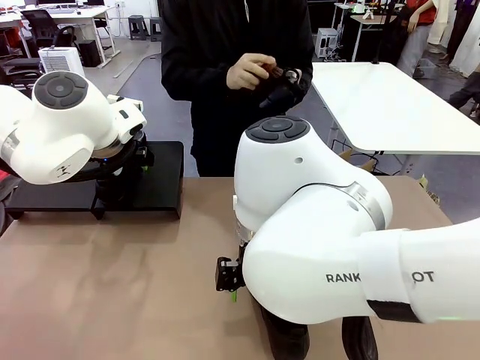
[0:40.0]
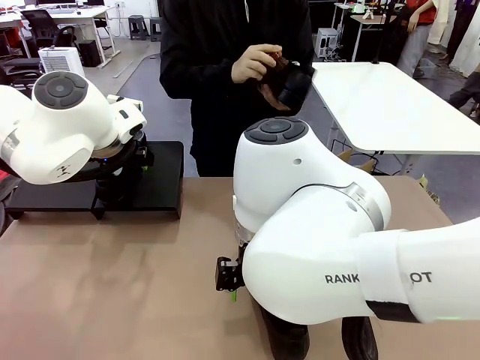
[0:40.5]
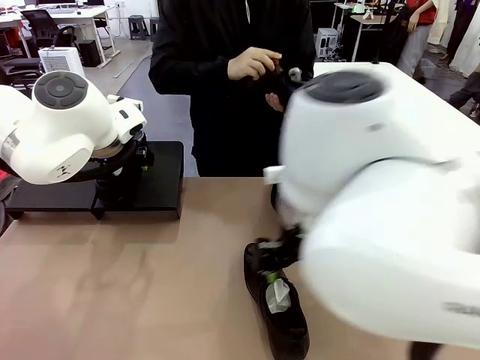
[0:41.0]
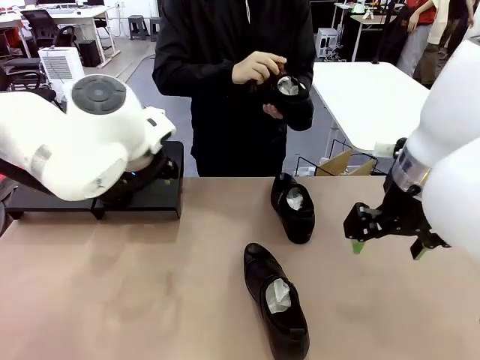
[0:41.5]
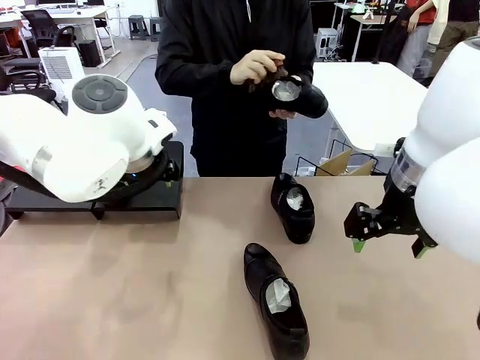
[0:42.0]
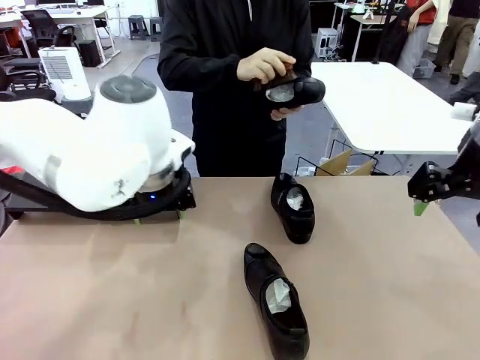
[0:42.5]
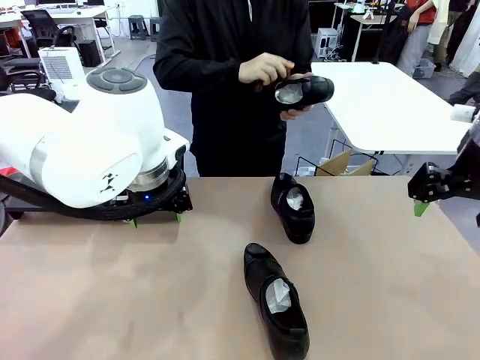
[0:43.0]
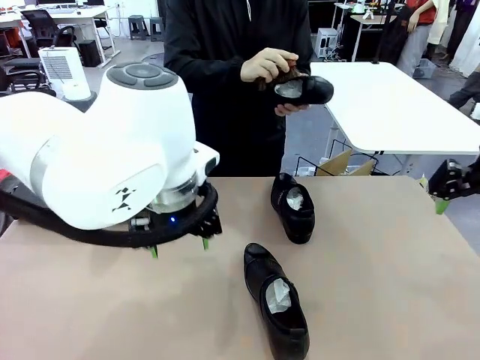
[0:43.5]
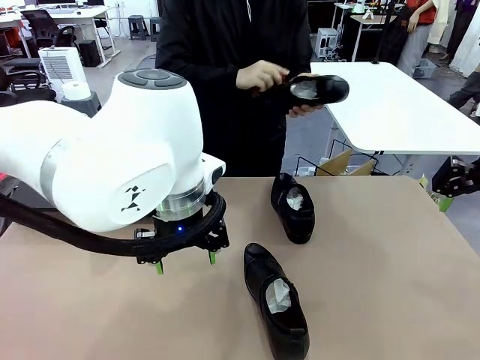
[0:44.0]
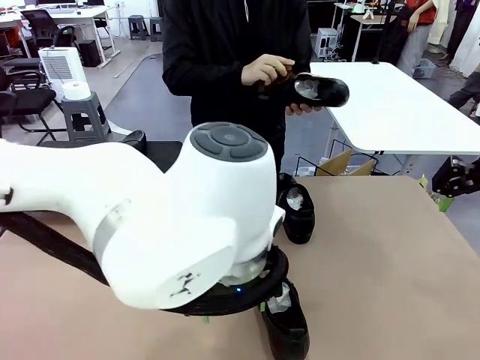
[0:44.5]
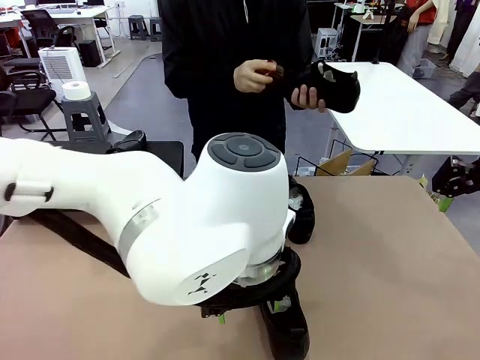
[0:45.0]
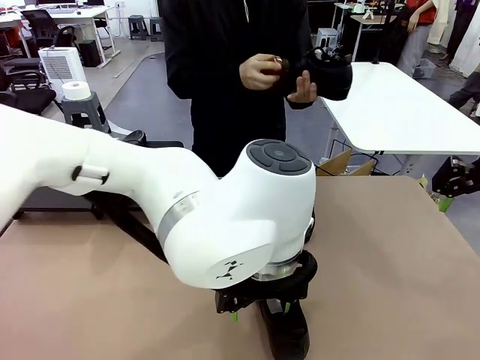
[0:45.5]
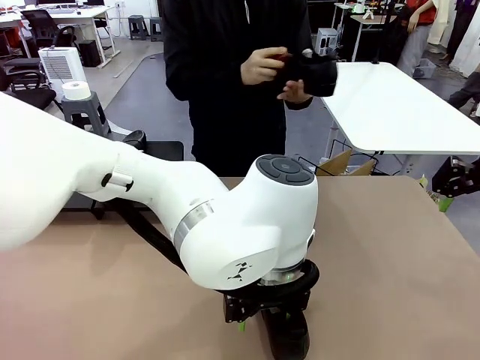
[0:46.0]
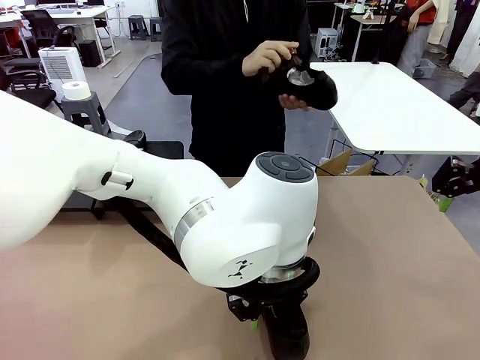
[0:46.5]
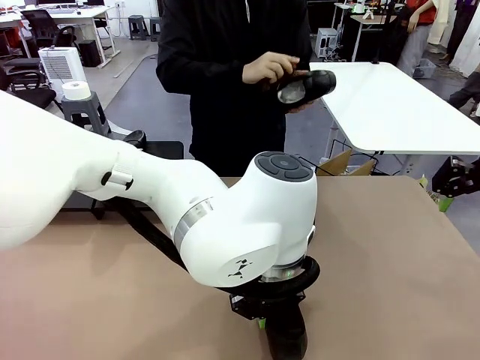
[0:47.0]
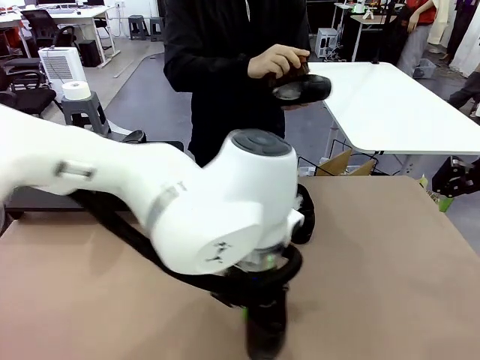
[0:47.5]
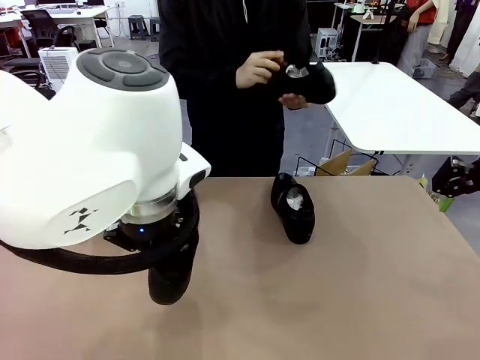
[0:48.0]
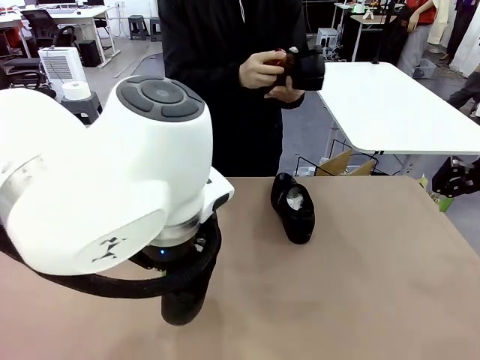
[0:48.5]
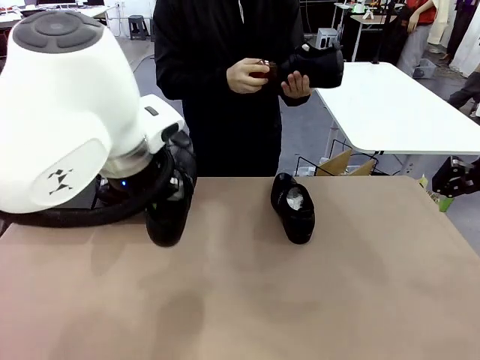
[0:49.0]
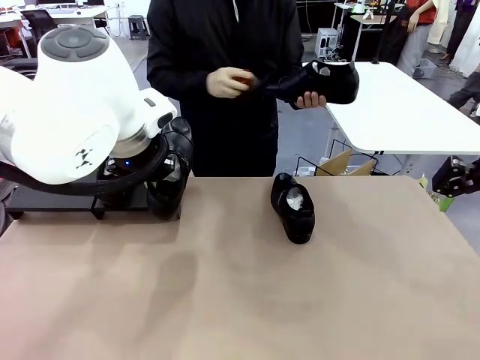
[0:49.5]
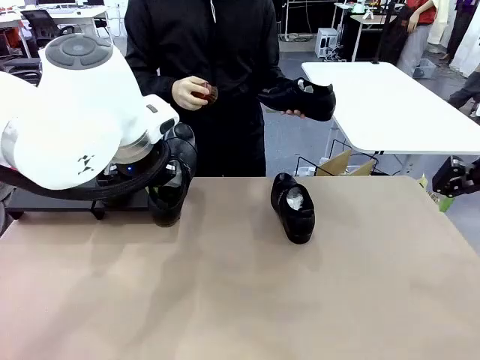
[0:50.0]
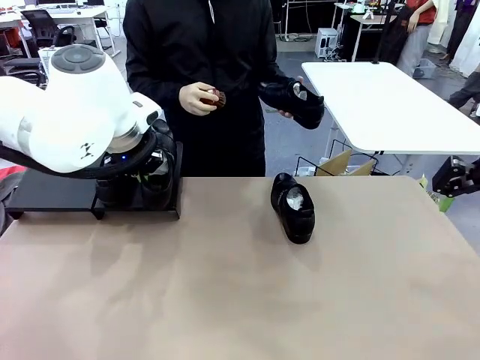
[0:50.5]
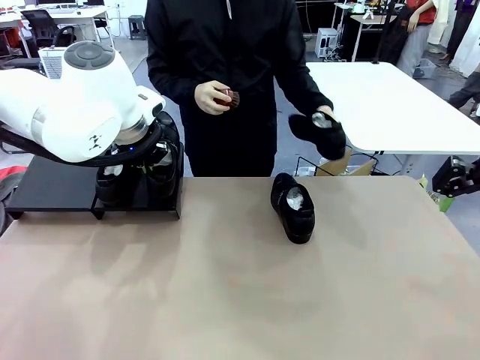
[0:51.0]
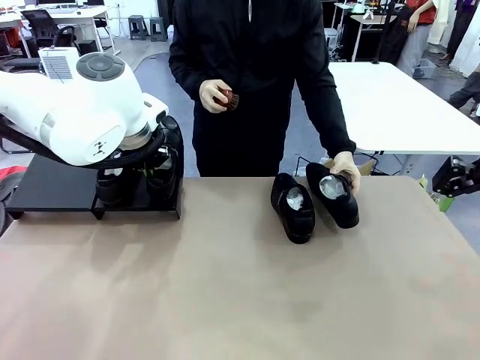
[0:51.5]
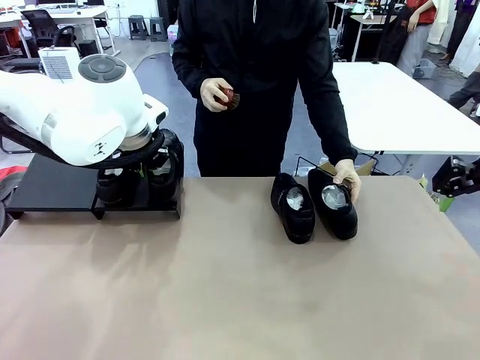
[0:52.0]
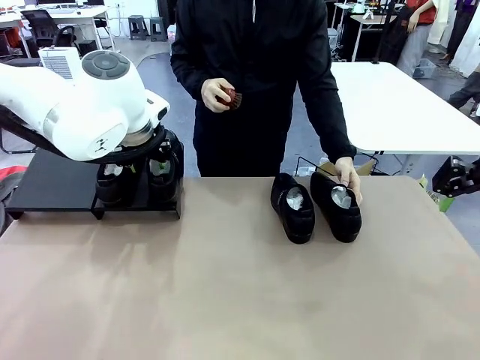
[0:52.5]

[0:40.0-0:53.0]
Task: Organize the shoes by placing them on the stand.
Robot: Place the Shoe from the middle of the table onto the Shoes Stand.

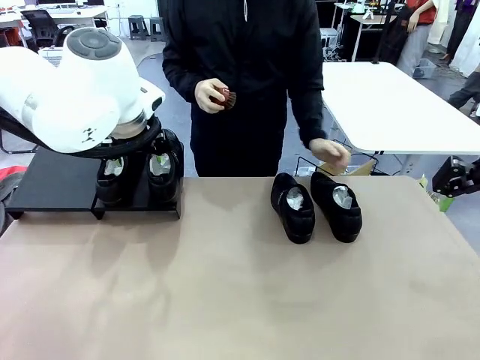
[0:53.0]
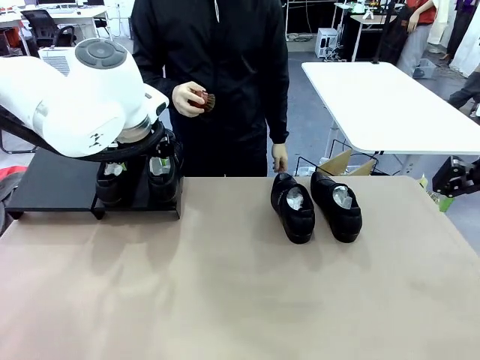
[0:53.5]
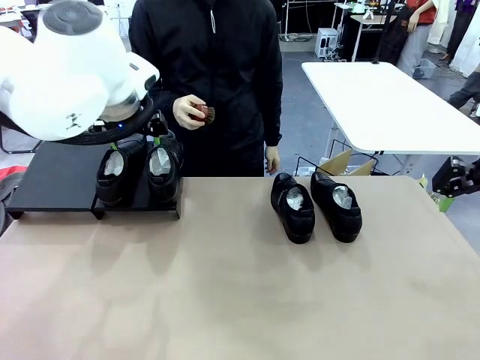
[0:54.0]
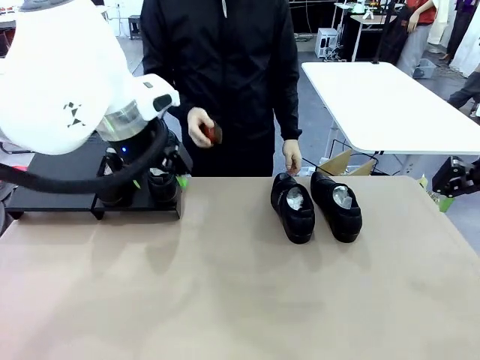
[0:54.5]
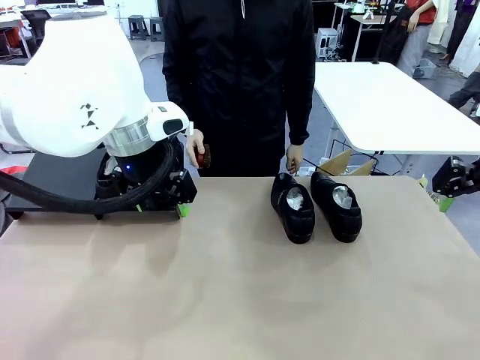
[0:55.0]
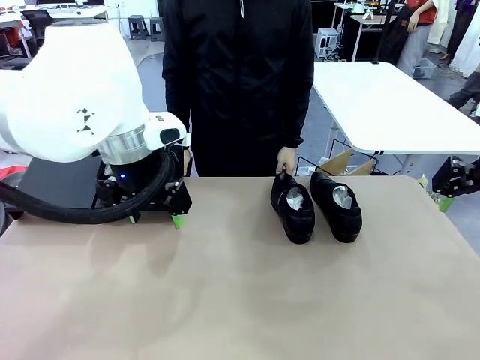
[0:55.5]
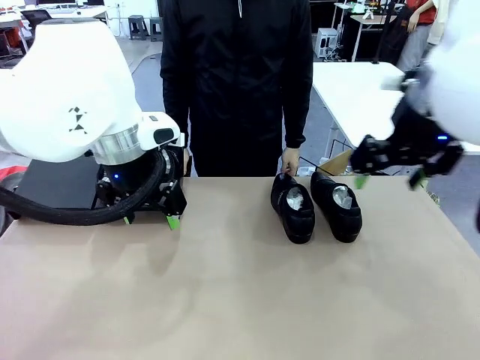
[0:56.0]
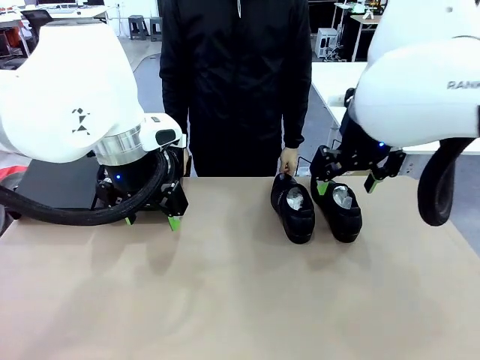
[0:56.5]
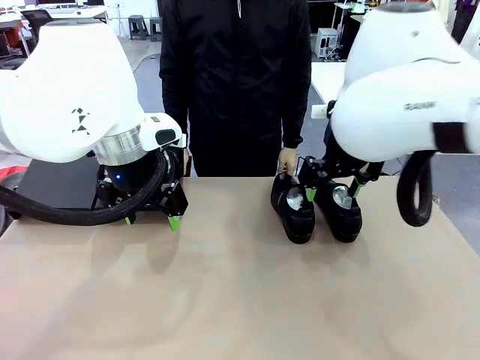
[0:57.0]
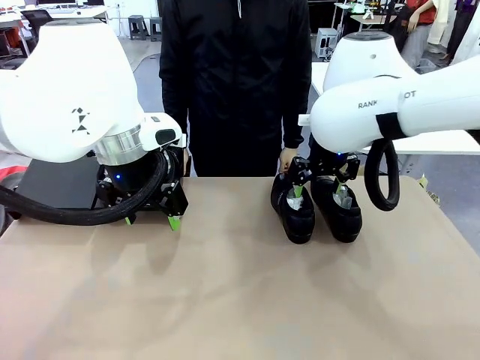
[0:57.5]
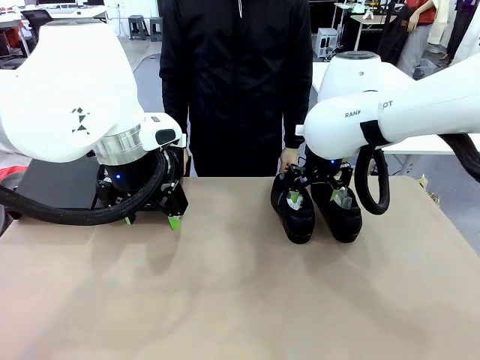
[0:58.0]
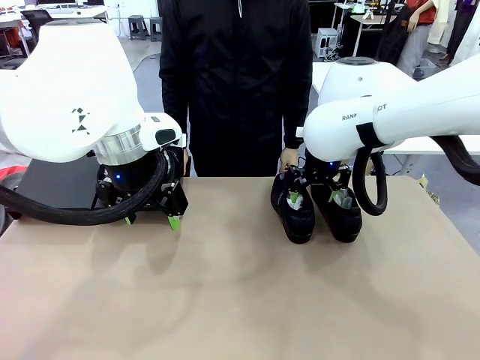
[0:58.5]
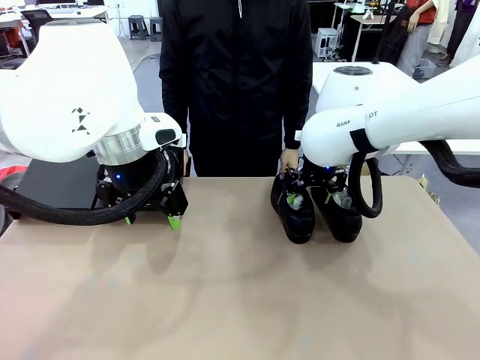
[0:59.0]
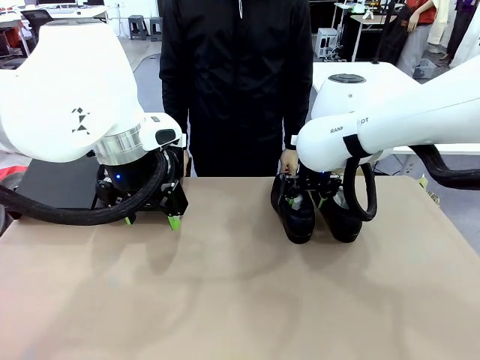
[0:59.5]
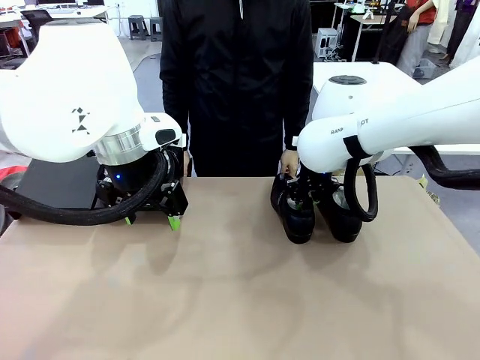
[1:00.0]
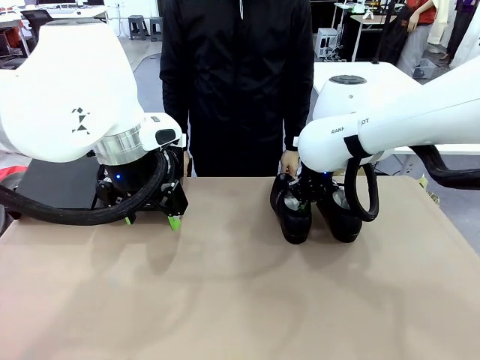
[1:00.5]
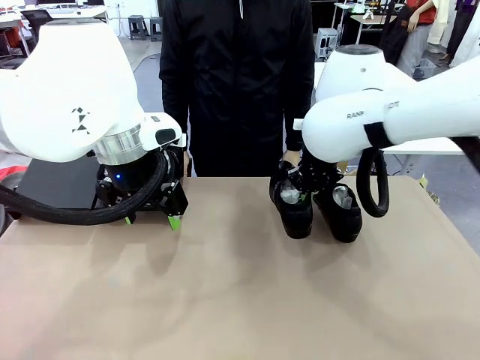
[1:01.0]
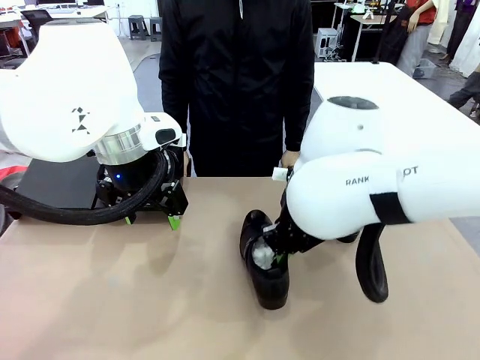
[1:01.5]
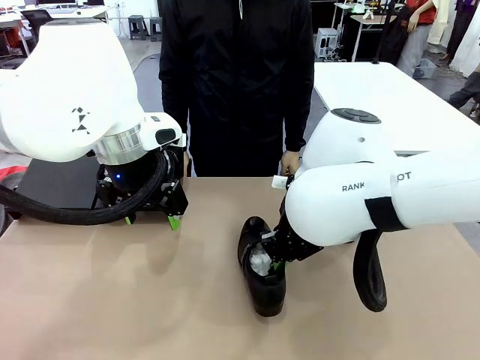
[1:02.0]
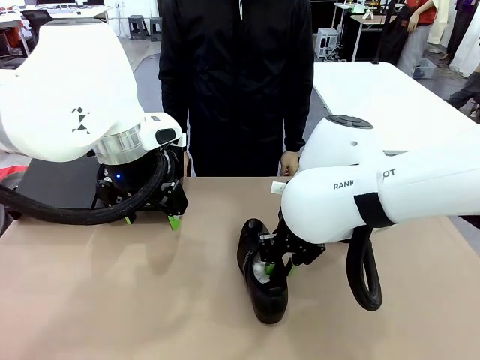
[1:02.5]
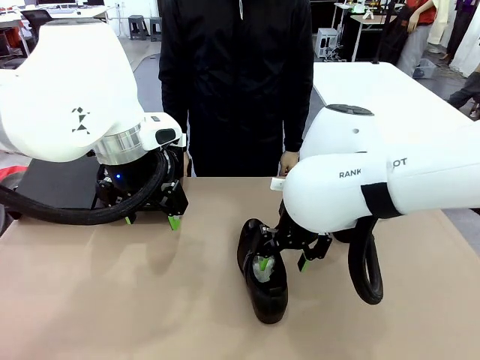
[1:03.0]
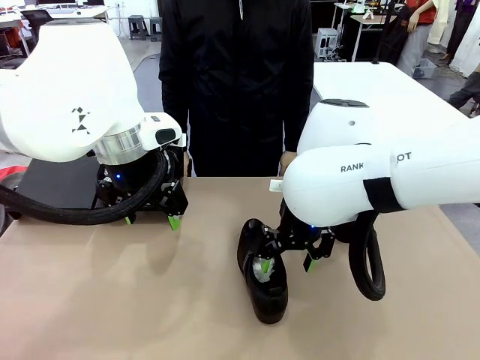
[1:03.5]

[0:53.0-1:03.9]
Robot: Pick up one Shoe and place it in the middle of the table.

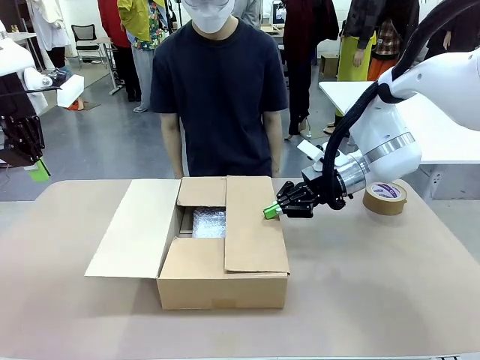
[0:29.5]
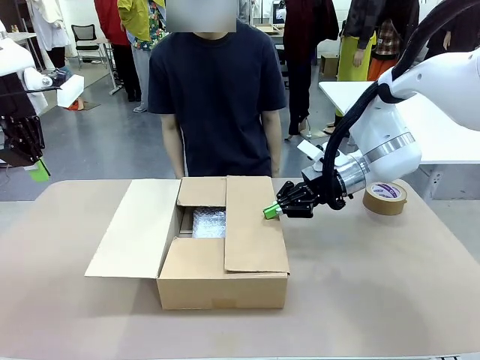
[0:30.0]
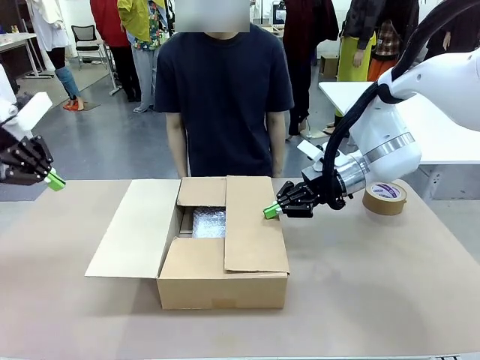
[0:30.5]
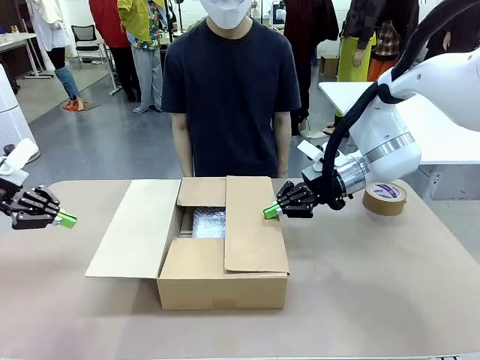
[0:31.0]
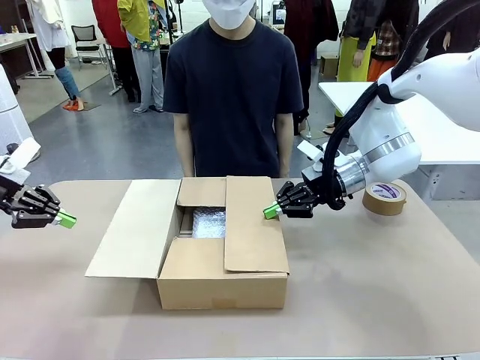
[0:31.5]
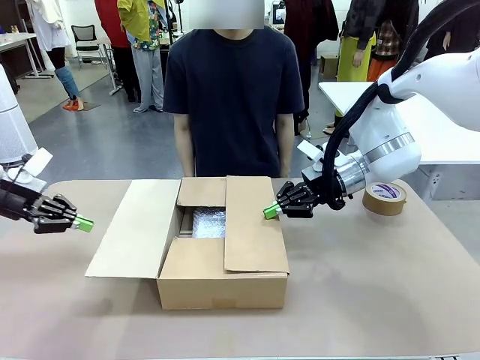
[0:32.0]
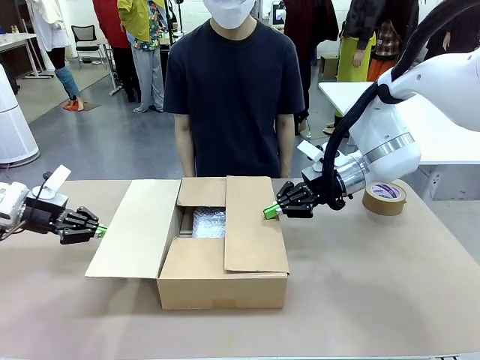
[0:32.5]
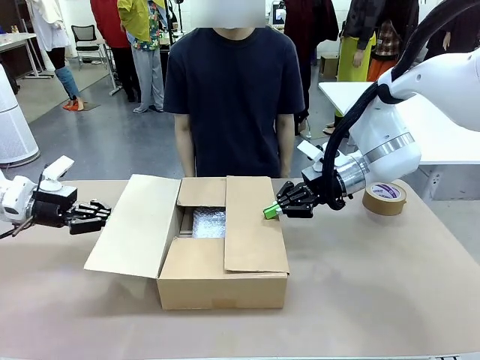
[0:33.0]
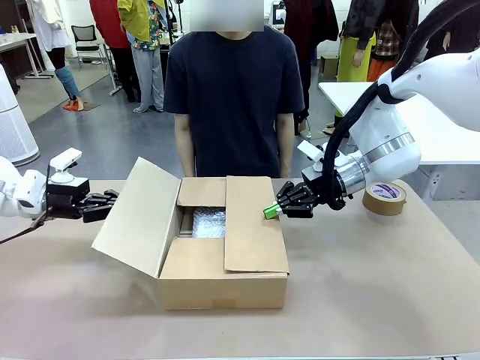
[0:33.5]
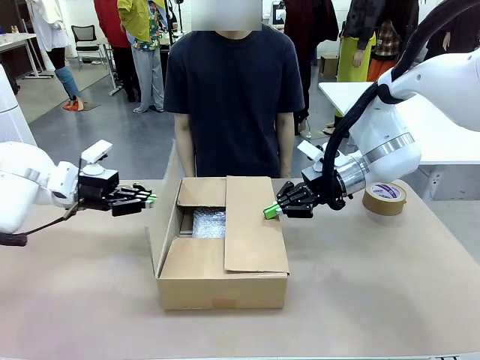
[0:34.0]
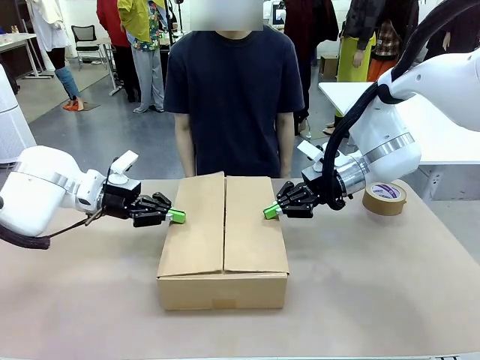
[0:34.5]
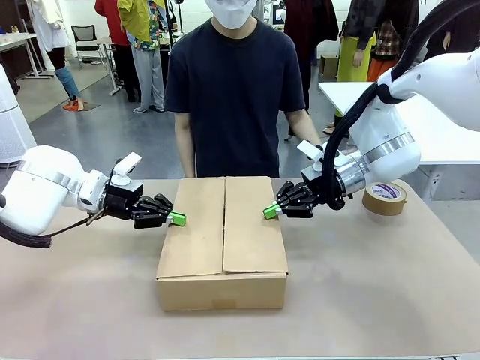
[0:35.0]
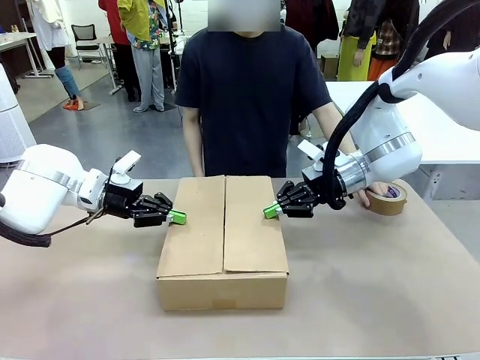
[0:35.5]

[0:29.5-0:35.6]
Task: Wrap the clocks to prevent damage.
Robot: Push the left (or right) flap of the Package Box to close it.
